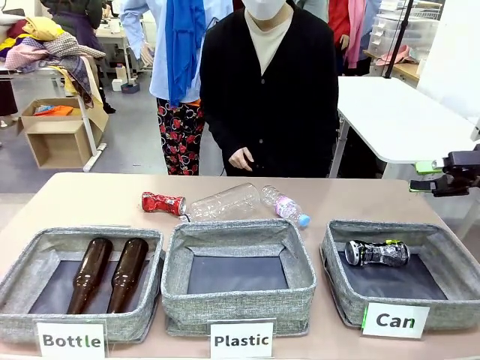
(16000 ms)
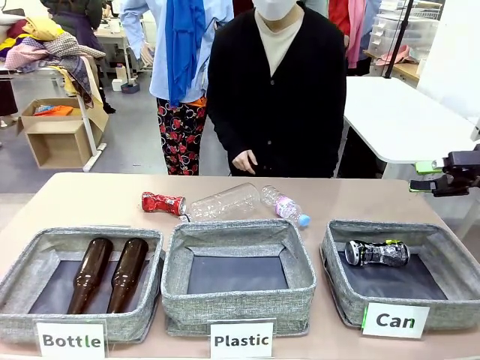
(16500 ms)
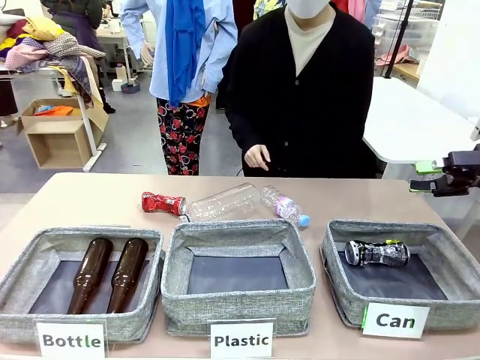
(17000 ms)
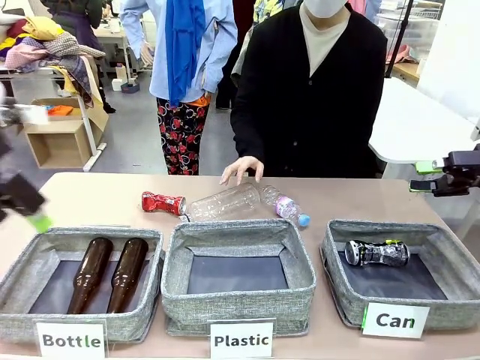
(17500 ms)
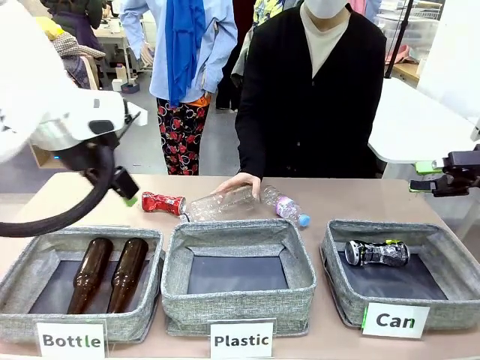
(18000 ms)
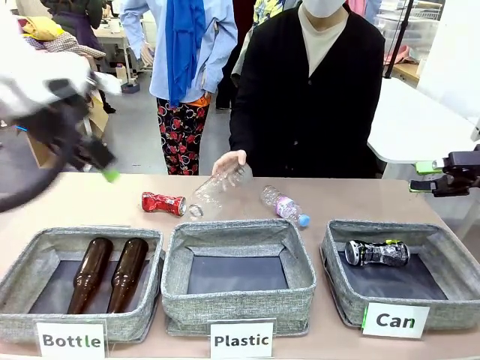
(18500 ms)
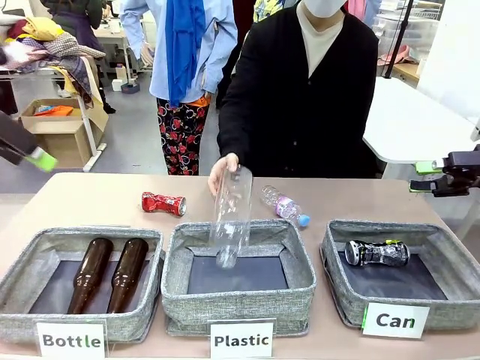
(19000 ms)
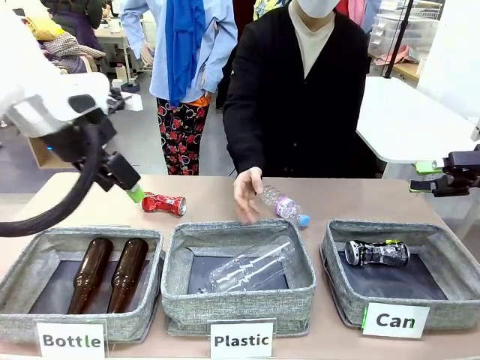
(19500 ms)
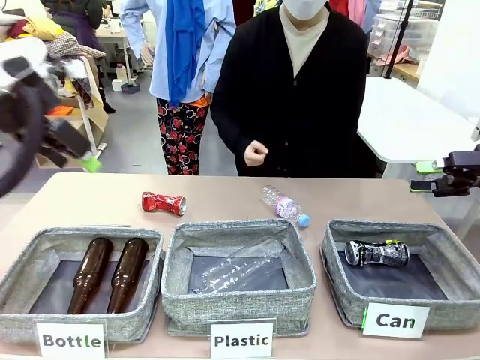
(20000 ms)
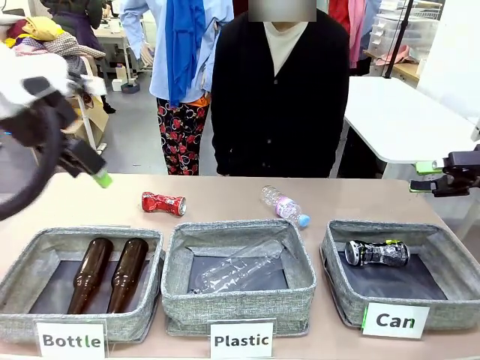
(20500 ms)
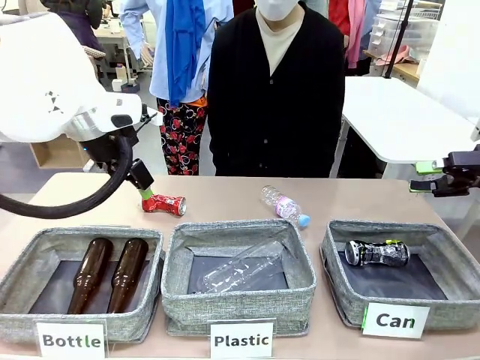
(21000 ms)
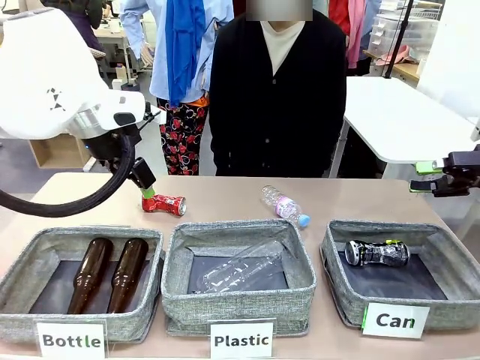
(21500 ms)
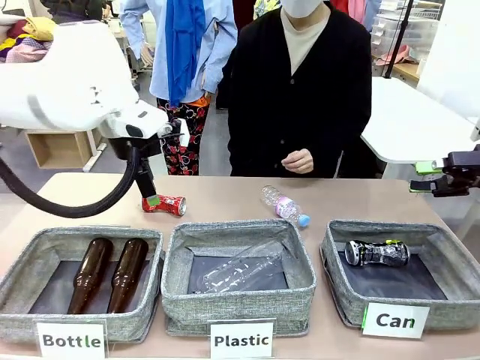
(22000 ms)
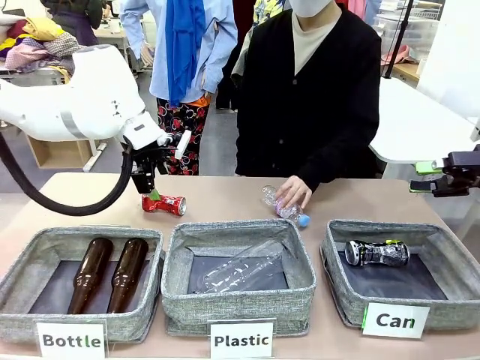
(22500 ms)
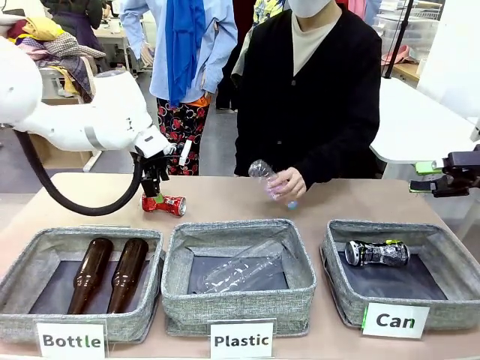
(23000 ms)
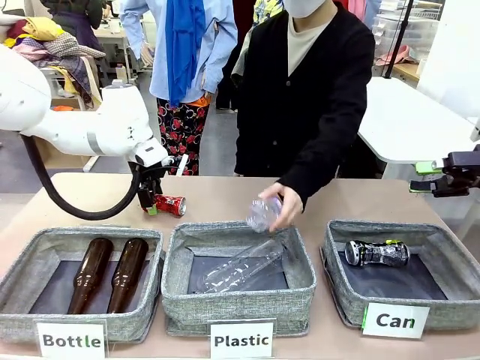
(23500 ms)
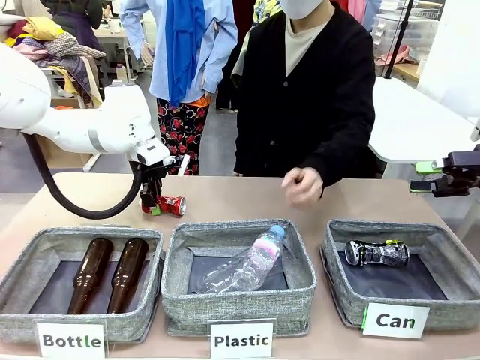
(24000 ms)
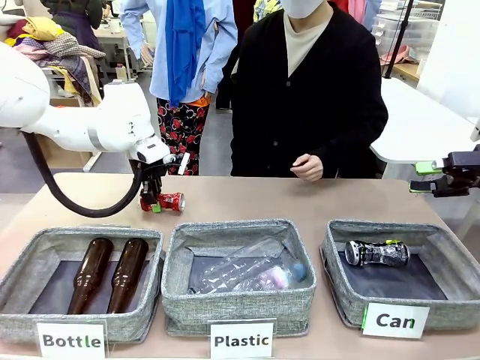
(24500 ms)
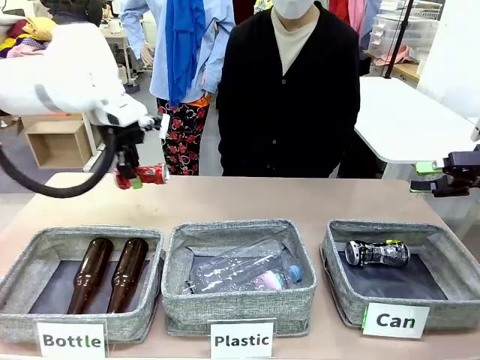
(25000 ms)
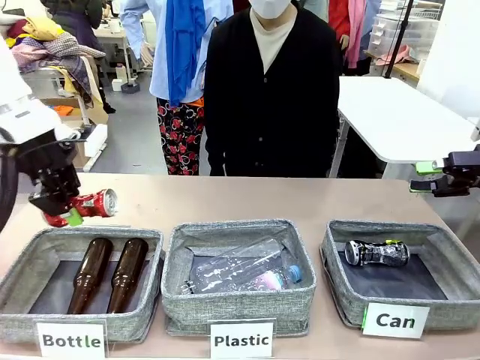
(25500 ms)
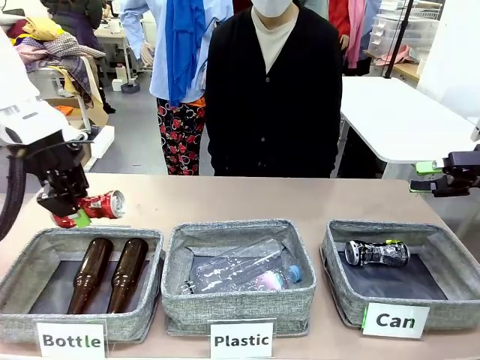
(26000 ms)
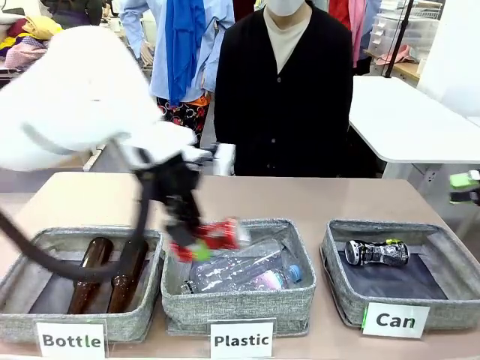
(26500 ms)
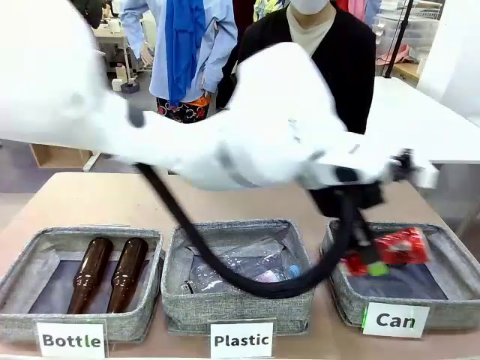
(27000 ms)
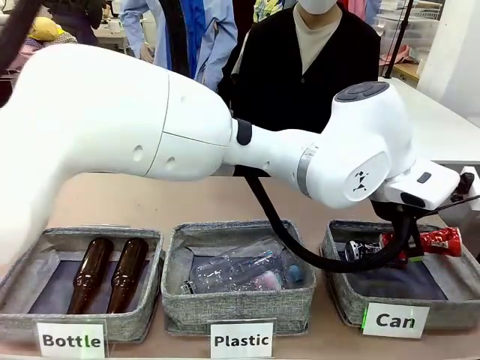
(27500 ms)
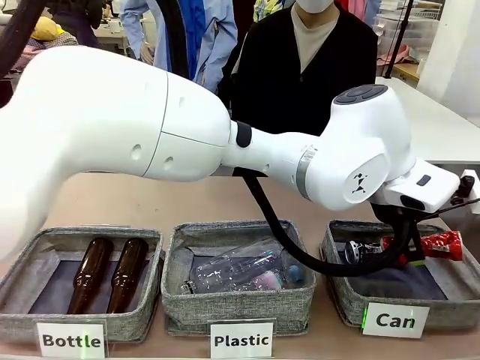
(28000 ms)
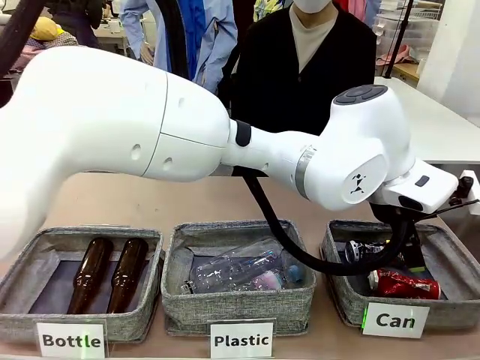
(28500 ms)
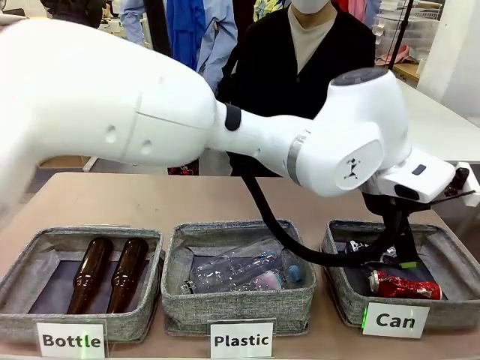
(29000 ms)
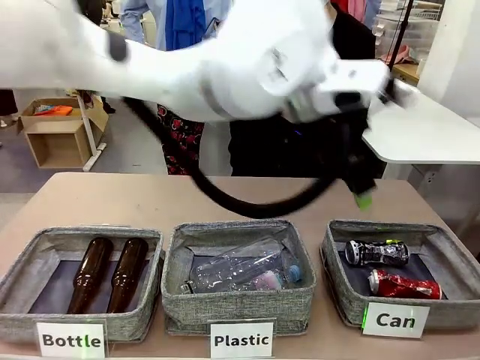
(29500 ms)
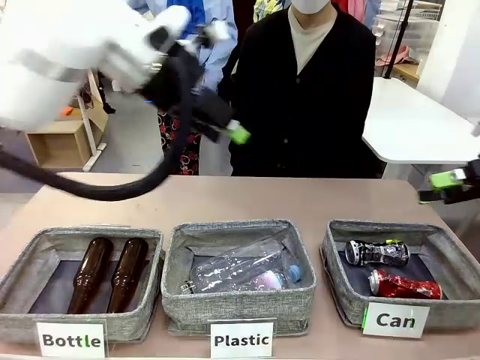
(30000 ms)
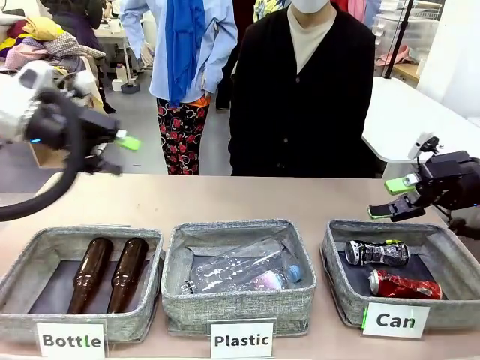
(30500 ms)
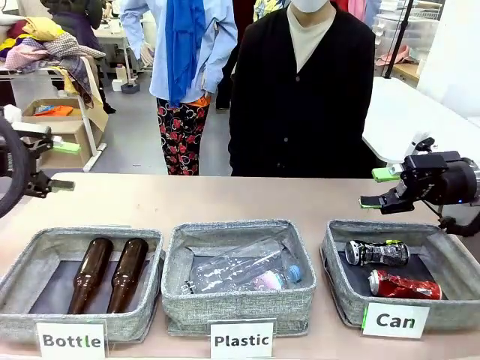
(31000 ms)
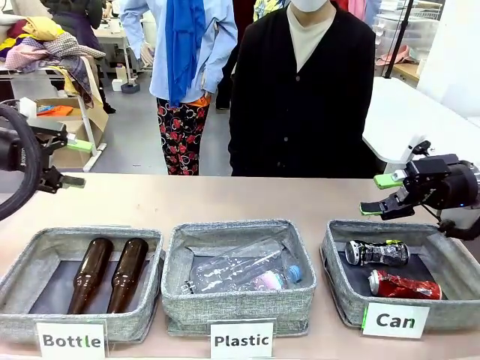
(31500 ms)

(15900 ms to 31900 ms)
Task: Sort the can waste into the basket.
Robot: Pick up the can waste from the table and place it in the right Fabric basket.
Person: The human picks up one piece of trash that is not a can and places the trash into the appropriate organizing basket.

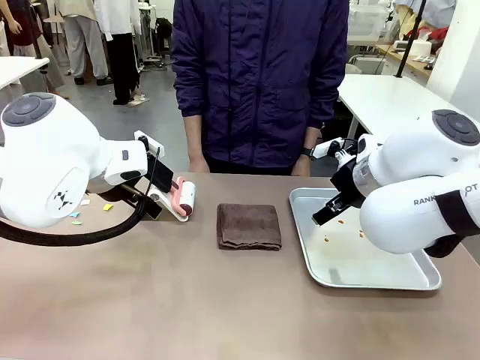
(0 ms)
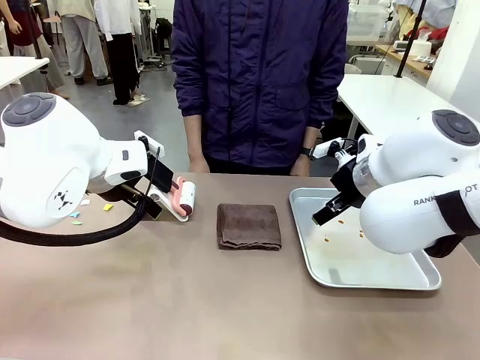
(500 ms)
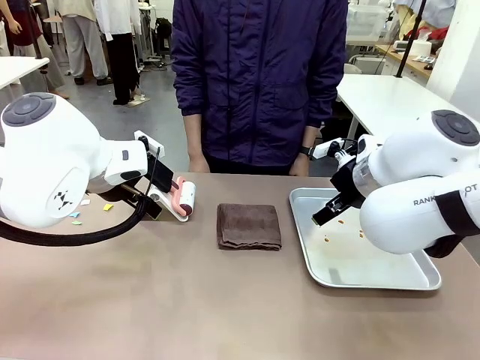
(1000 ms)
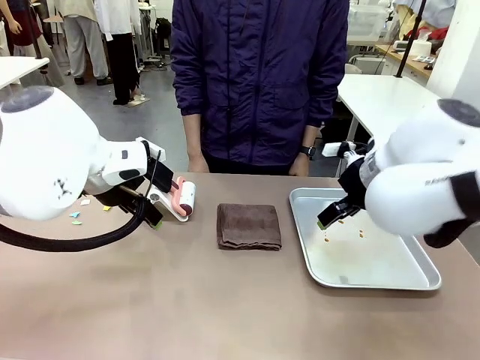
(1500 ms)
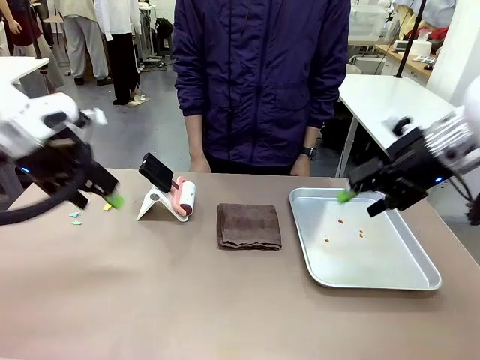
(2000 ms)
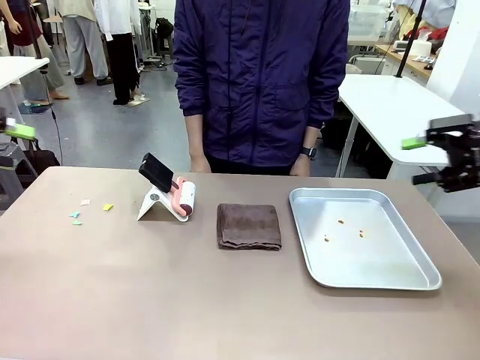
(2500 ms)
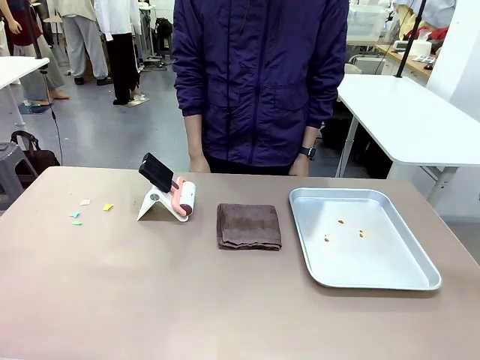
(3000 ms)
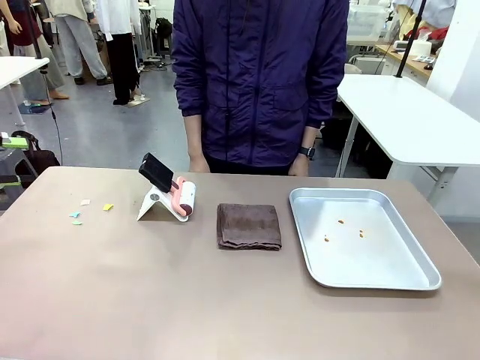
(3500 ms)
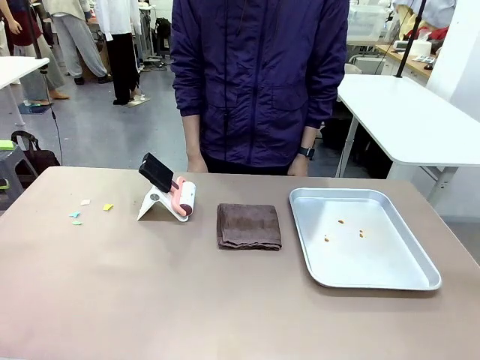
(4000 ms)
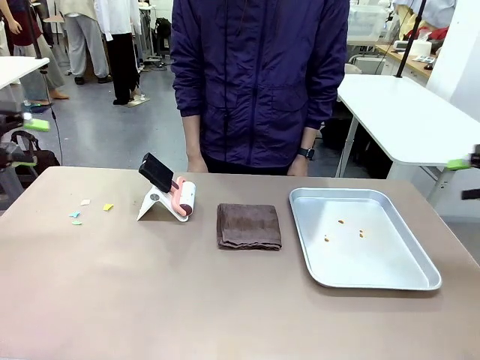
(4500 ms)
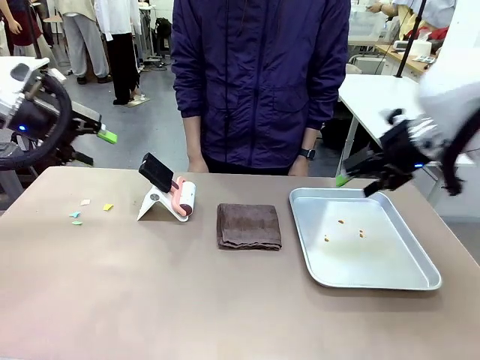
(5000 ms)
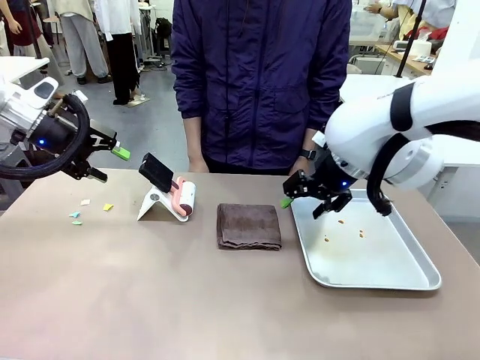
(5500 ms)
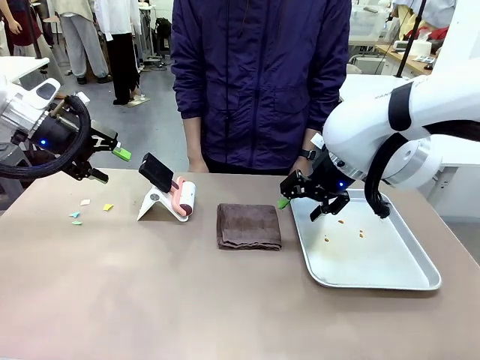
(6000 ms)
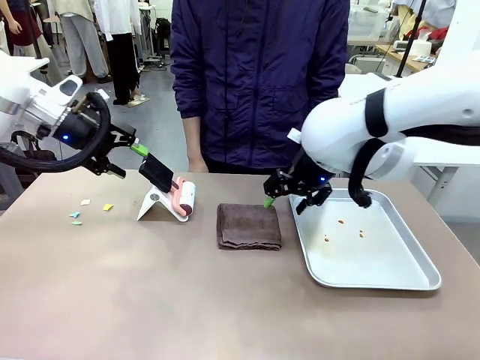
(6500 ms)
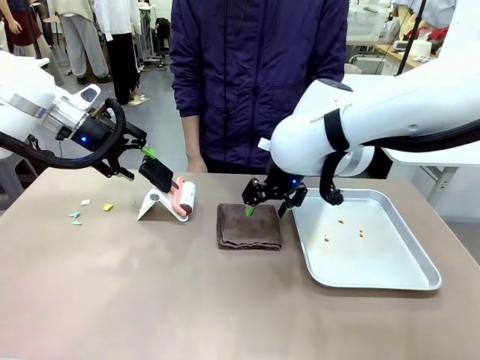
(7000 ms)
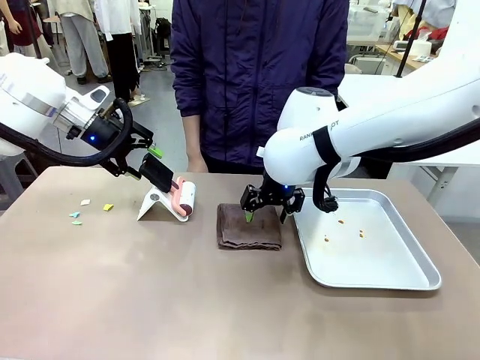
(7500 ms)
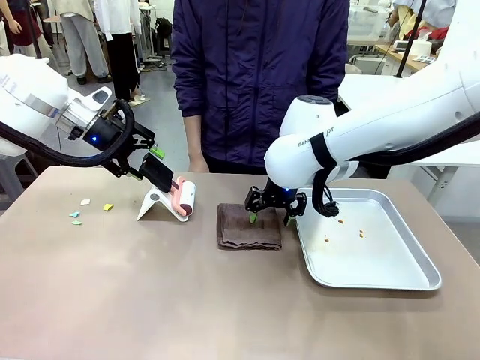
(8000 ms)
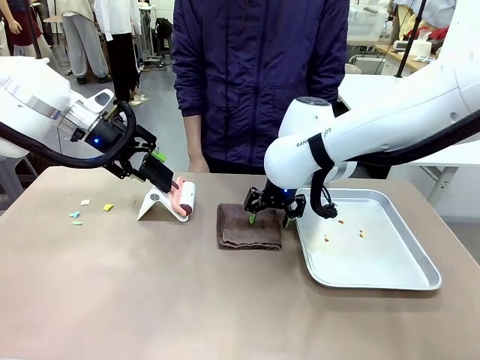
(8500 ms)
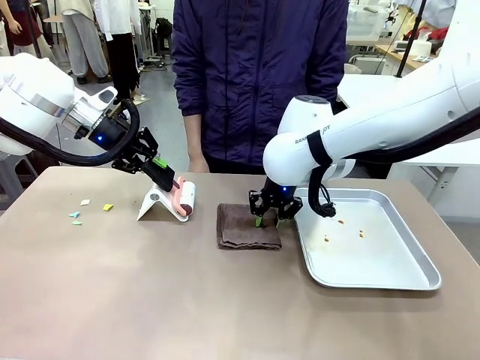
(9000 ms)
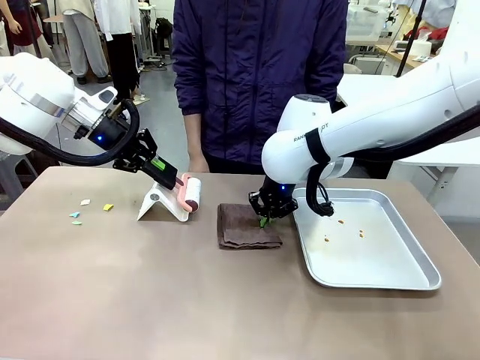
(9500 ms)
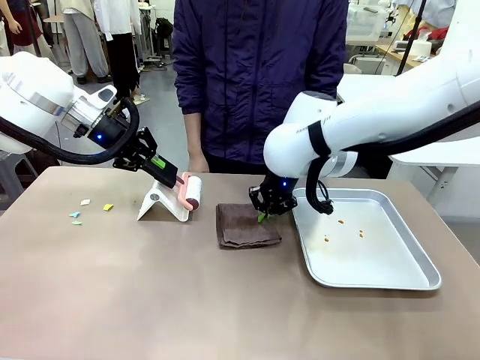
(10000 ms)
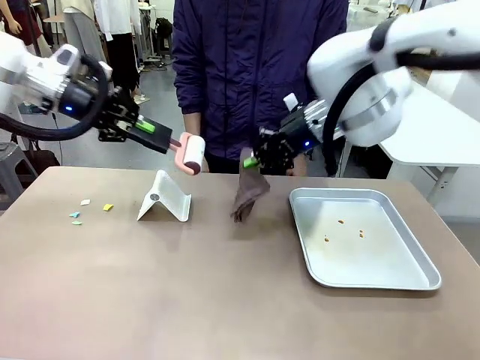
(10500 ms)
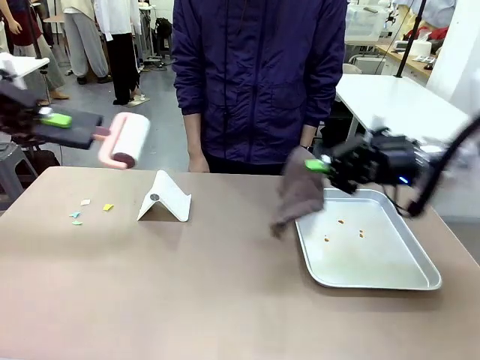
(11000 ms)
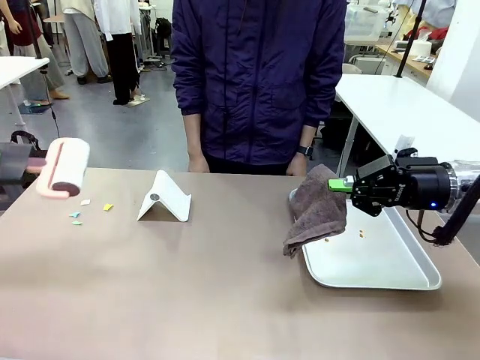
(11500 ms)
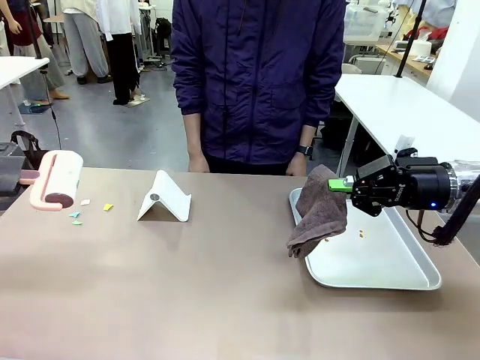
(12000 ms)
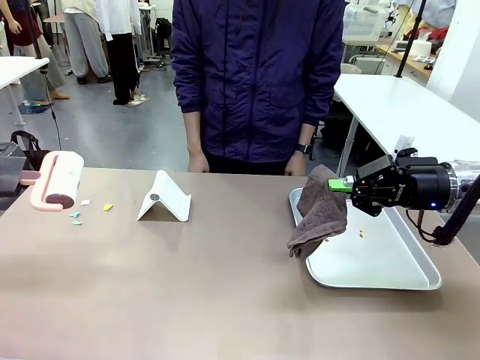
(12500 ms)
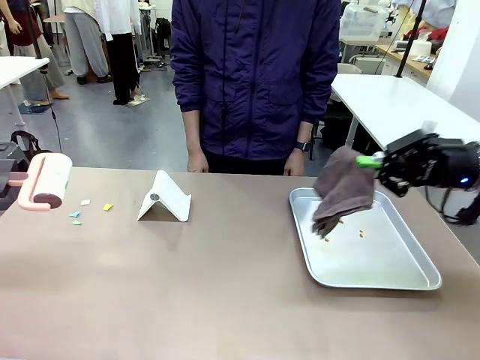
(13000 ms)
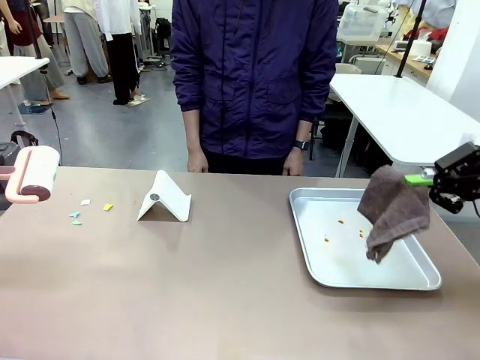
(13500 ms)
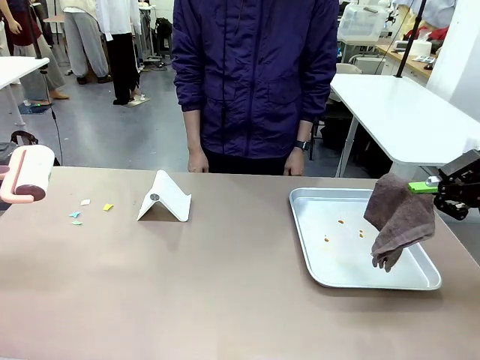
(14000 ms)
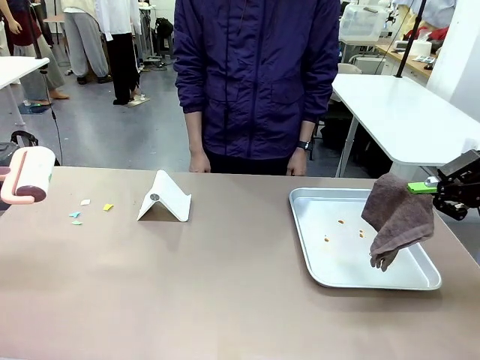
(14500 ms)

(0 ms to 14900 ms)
Task: Clean the surface of the table.
Robot: Hold the Lint Roller with your left hand and the towel with your right hand.
